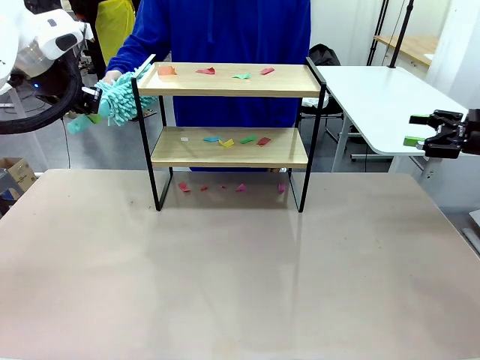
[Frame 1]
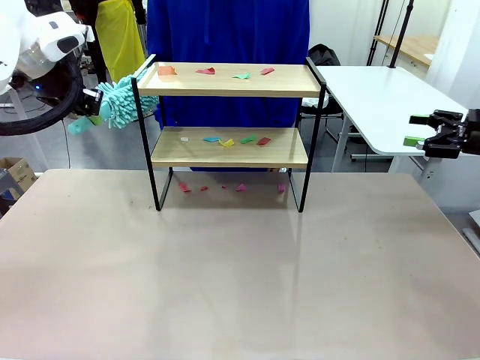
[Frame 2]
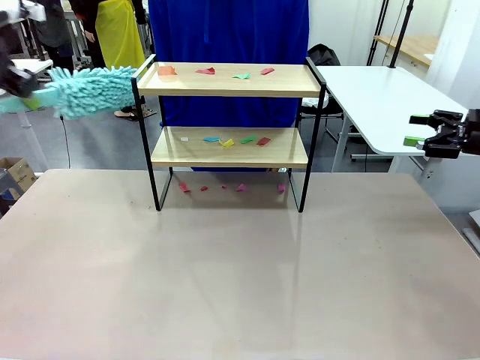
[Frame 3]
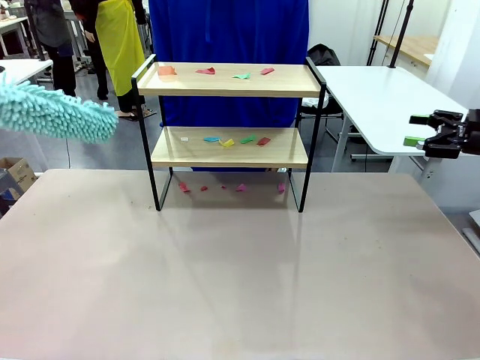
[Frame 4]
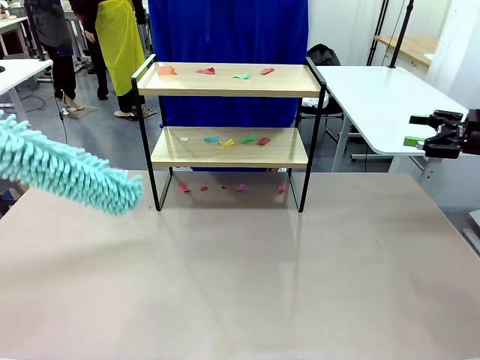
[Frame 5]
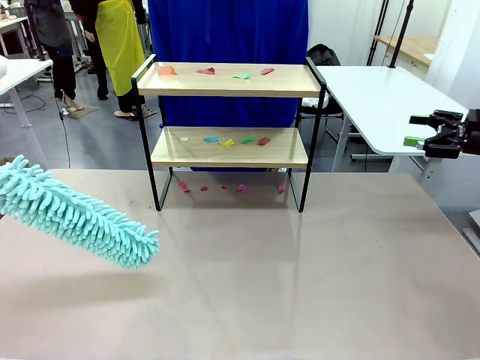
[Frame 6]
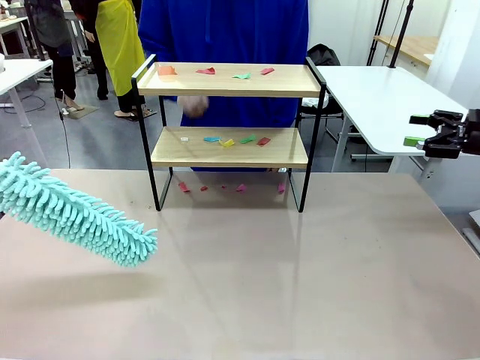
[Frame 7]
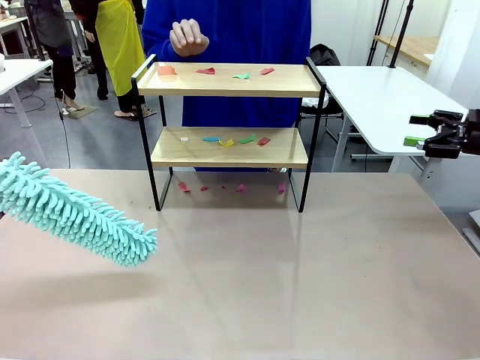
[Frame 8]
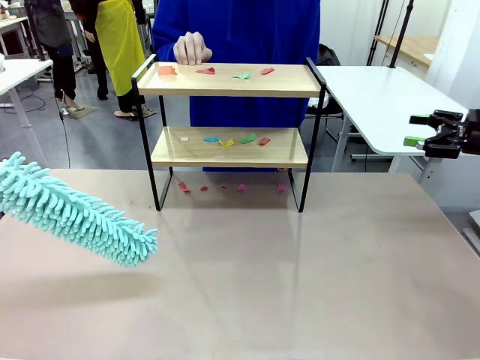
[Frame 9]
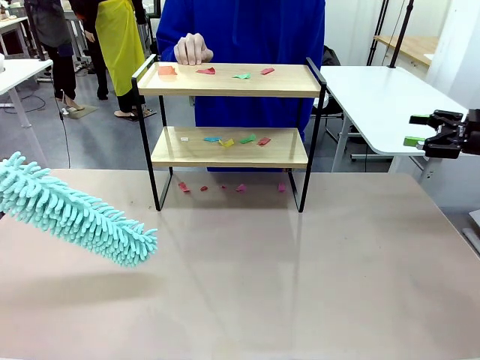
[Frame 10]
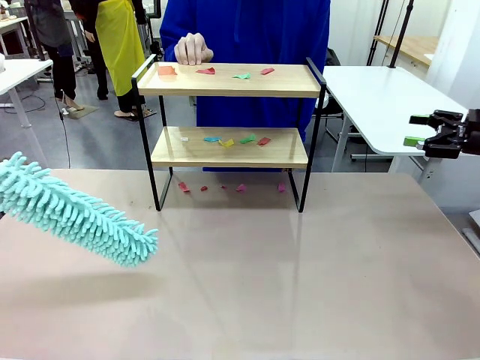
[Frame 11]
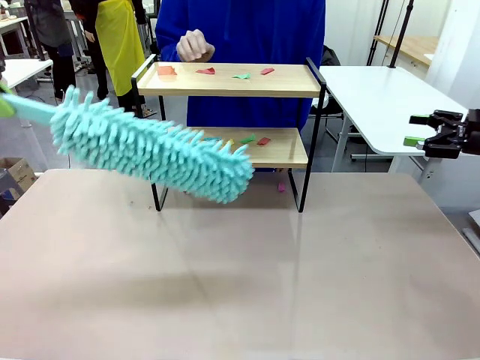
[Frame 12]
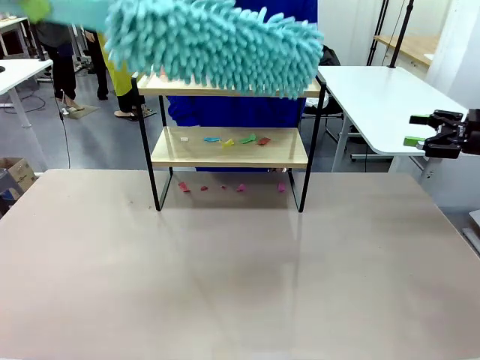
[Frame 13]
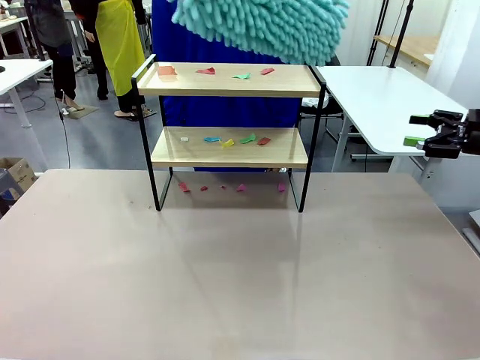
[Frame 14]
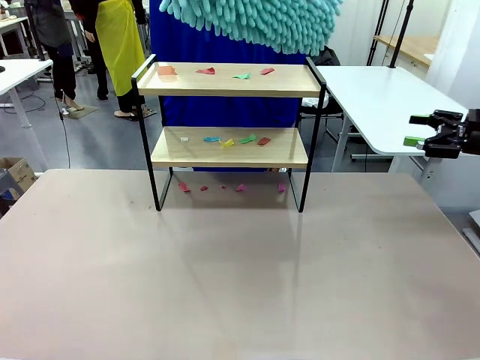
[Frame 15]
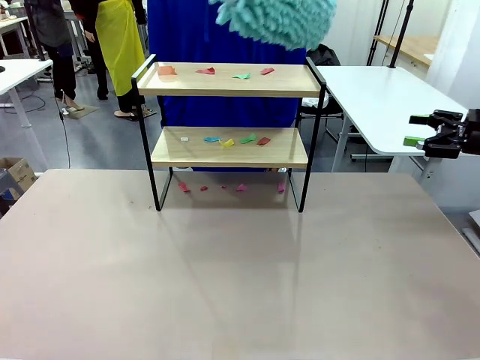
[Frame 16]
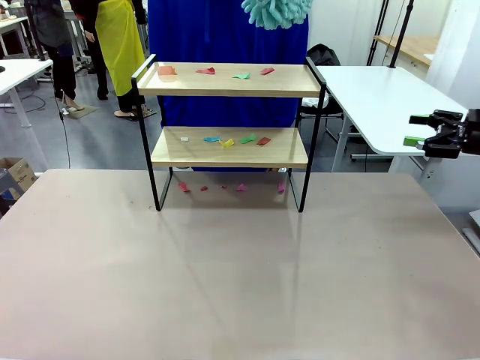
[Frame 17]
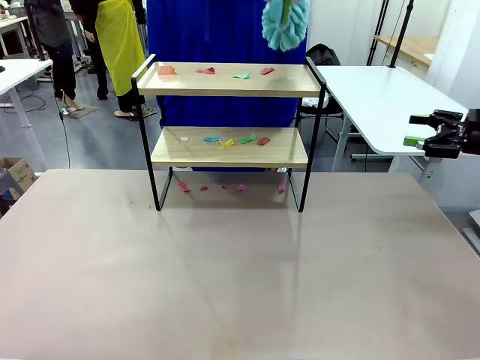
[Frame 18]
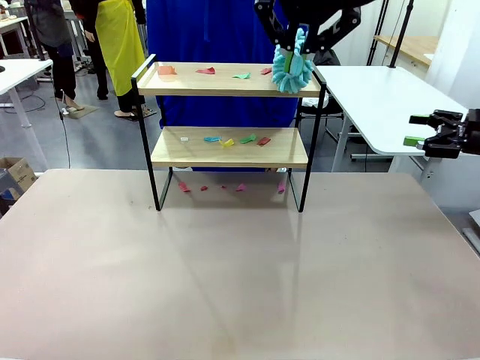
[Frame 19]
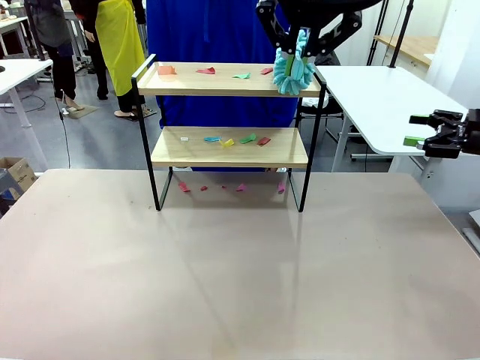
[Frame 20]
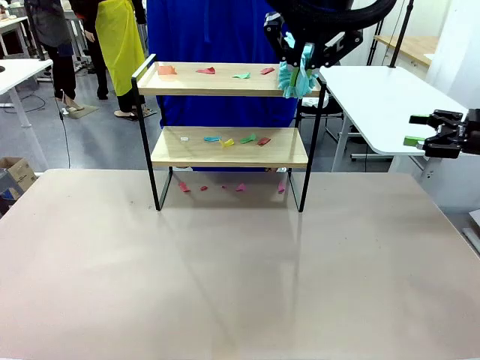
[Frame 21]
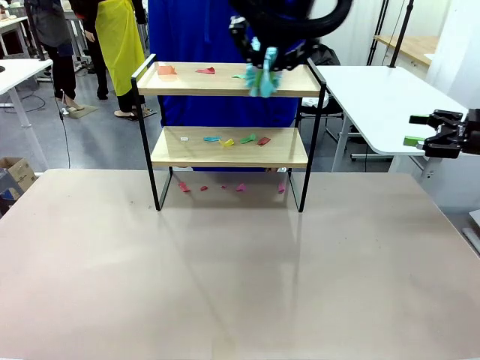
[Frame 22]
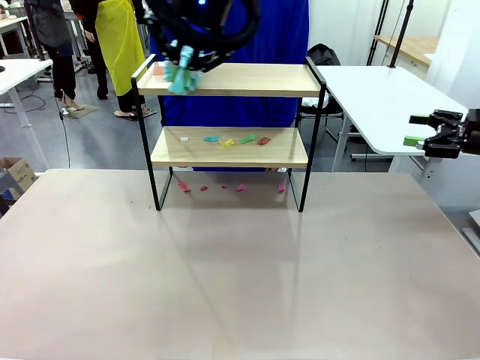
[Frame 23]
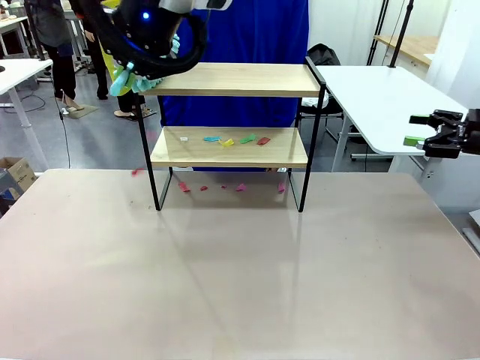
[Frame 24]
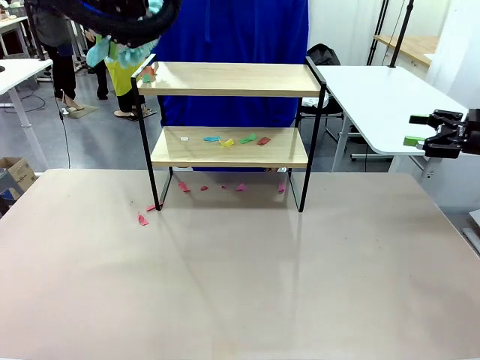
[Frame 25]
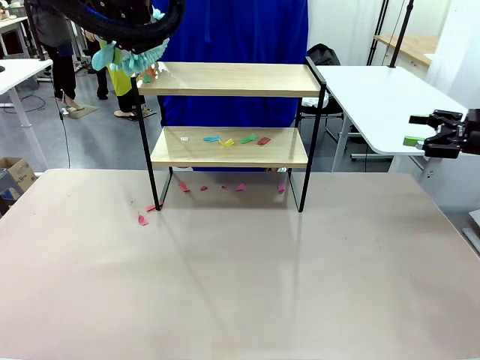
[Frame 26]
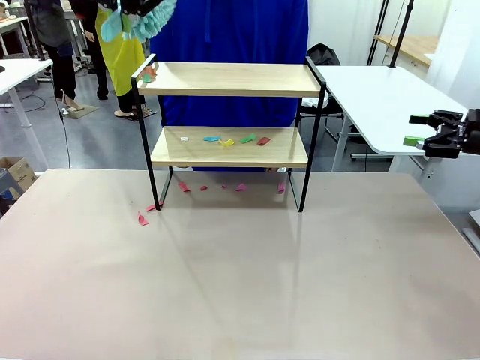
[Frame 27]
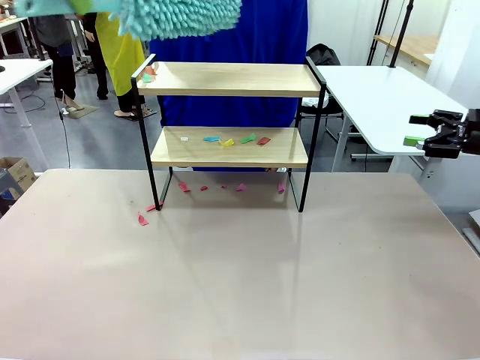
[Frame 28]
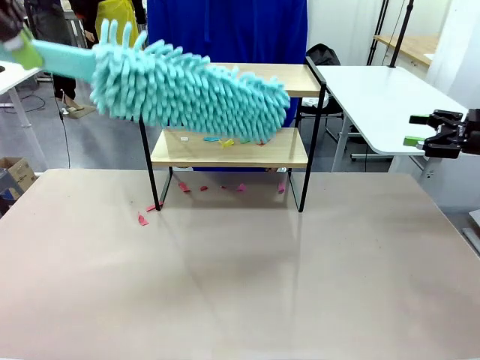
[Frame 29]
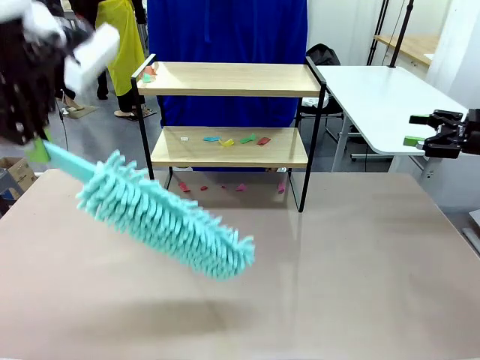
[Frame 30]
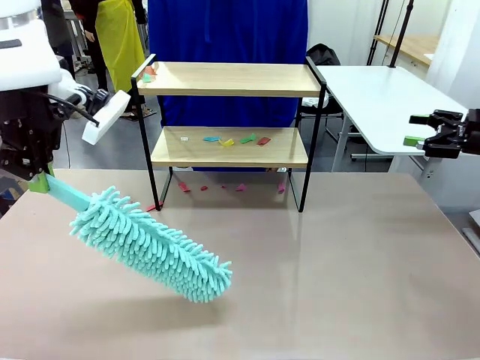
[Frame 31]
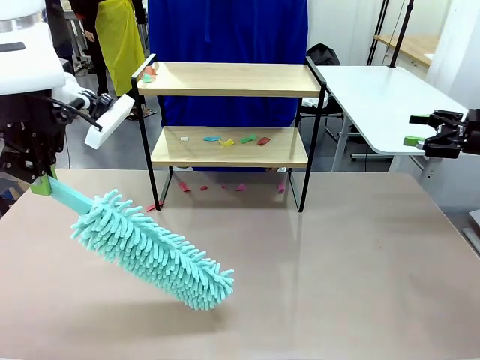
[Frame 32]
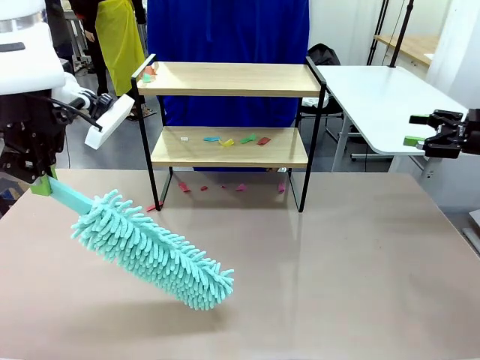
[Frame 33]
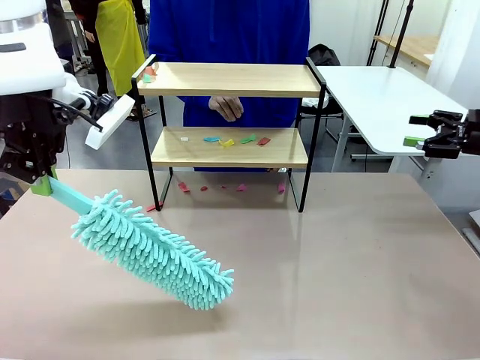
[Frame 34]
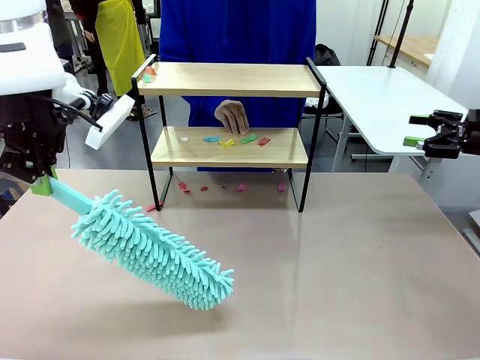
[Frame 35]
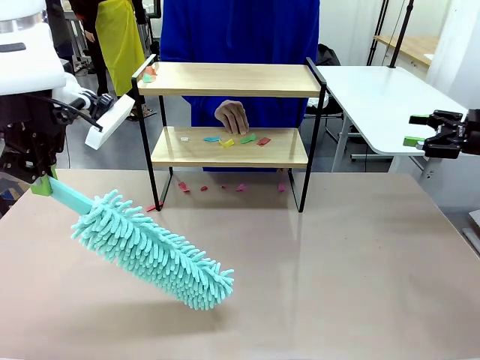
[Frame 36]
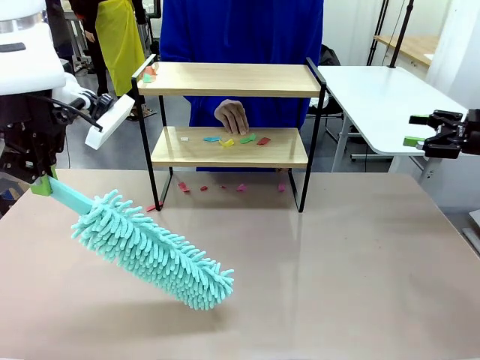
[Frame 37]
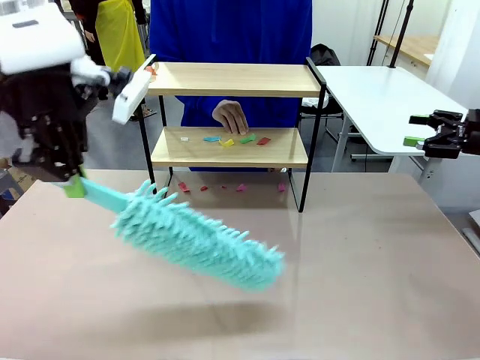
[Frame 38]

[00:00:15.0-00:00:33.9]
Task: Clean the shelf.
Robot: Clean the specific section of the Shelf indicated by the human with the Duster.
Person: Point a random section of the Shelf.

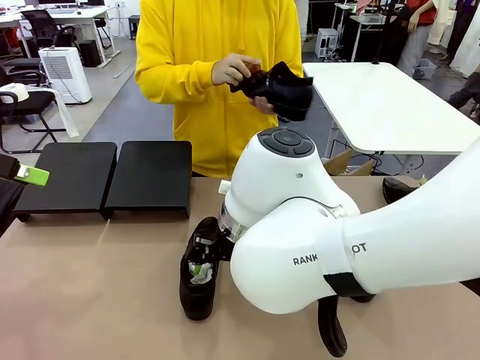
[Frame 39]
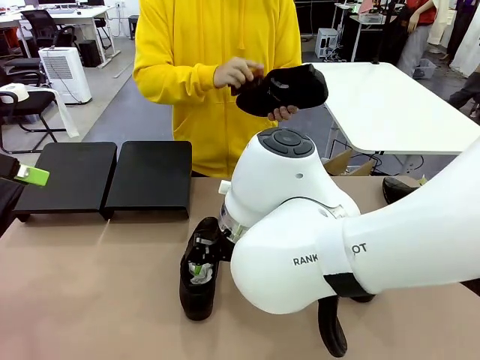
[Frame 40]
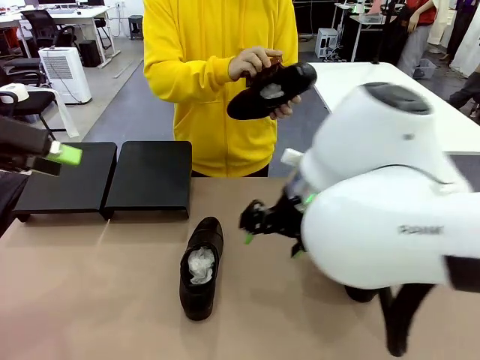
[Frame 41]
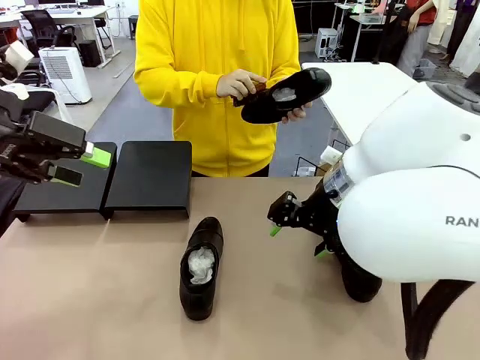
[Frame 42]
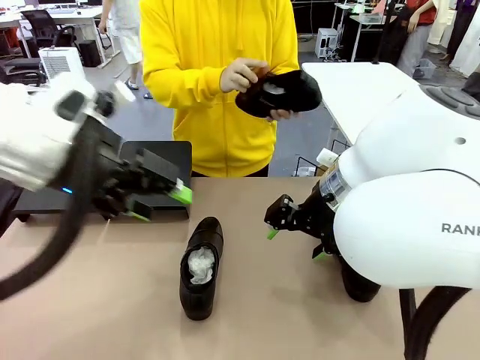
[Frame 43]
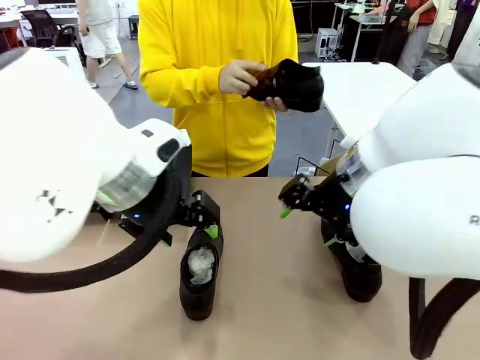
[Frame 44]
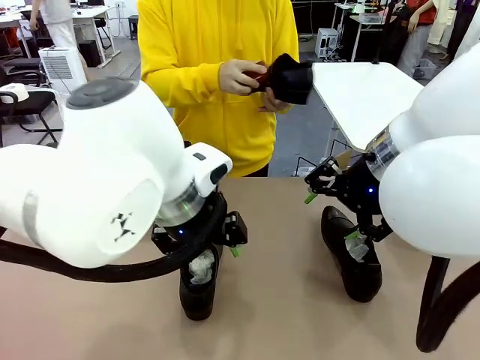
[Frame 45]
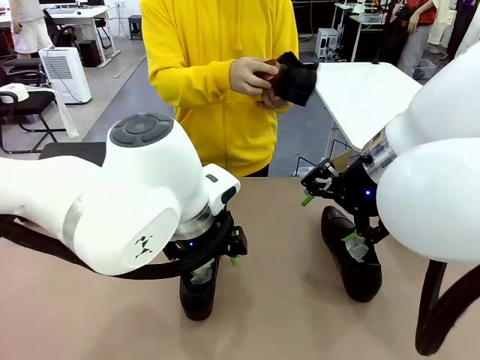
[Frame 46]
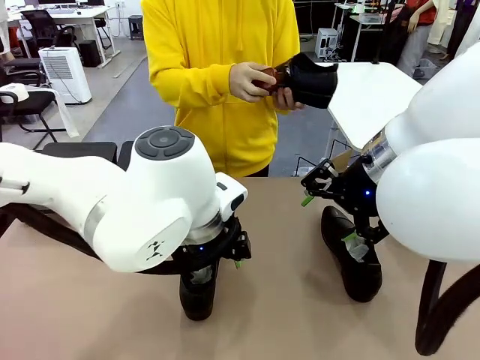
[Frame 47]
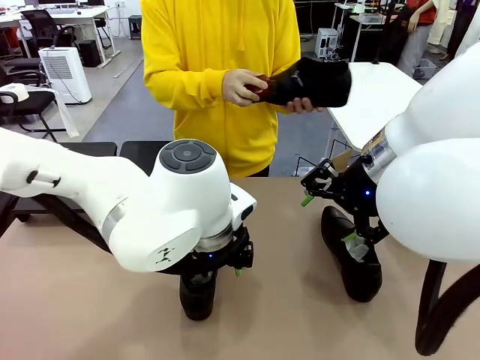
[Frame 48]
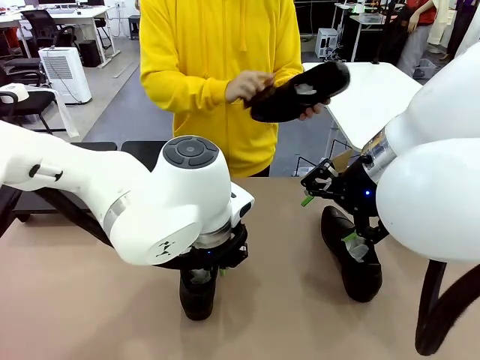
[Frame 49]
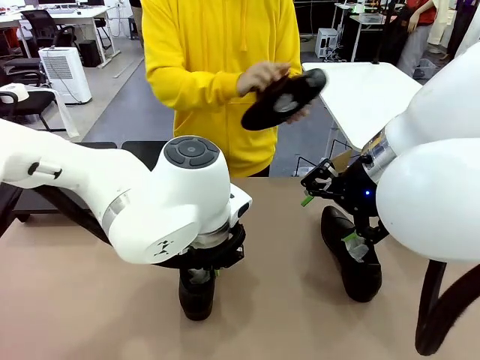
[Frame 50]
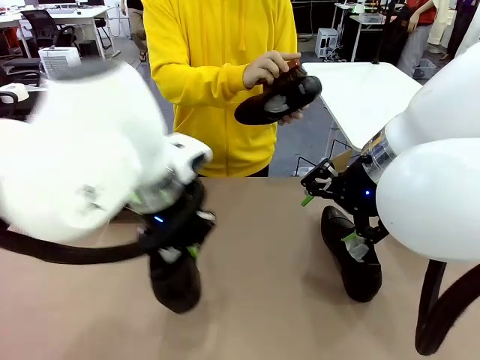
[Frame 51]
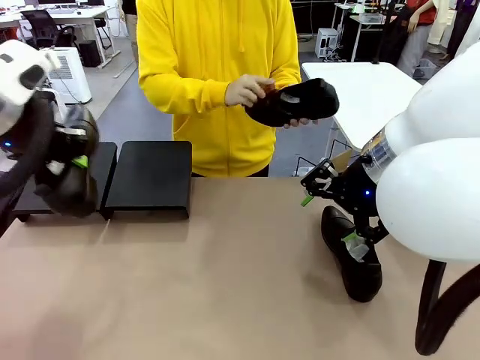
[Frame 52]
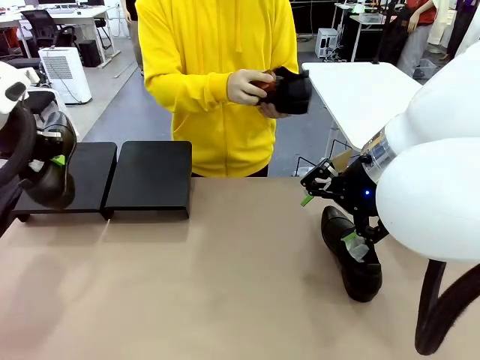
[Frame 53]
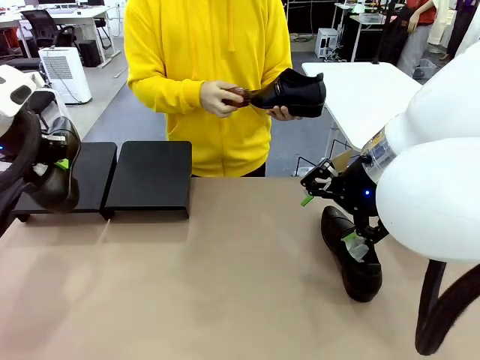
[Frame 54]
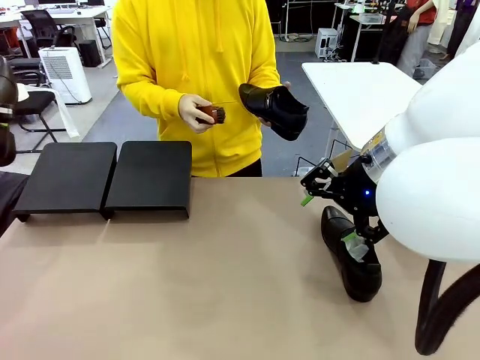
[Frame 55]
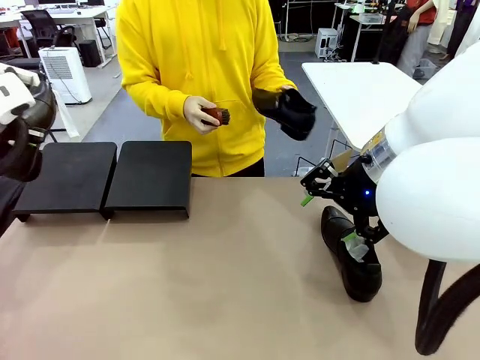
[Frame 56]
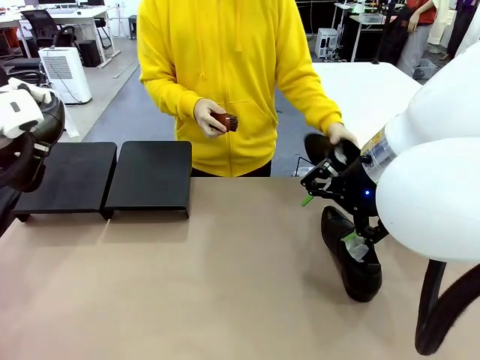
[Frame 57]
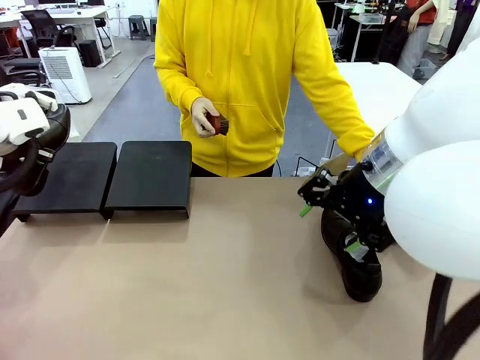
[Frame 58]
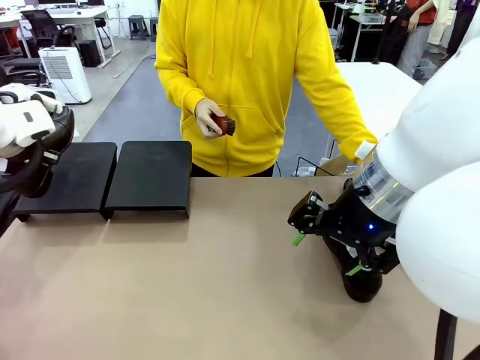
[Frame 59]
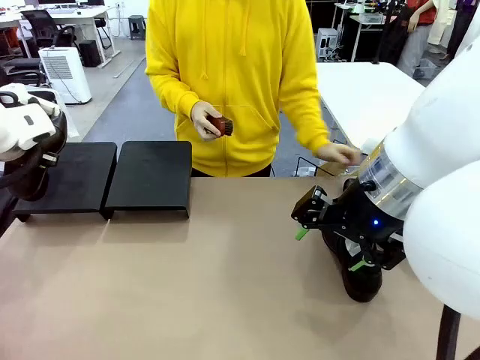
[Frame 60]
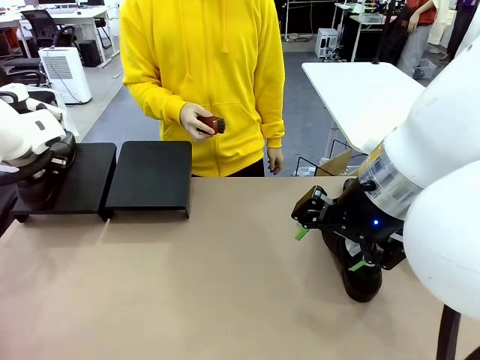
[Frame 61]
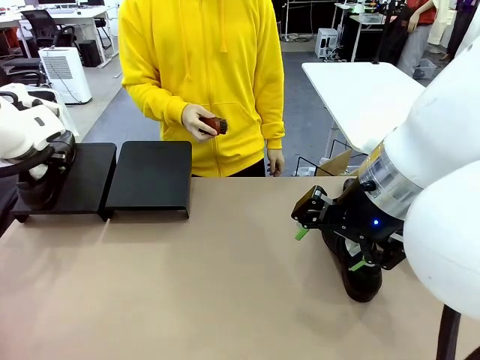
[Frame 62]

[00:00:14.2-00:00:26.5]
Task: Organize the shoes by placing them on the stand.
Robot: Place the Shoe from the middle of the table onto the Shoes Stand.
Person: Place the Shoe on left side of the Robot's table.
